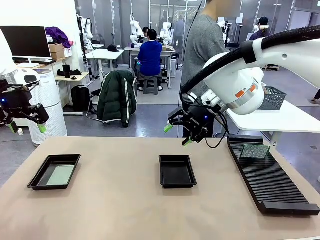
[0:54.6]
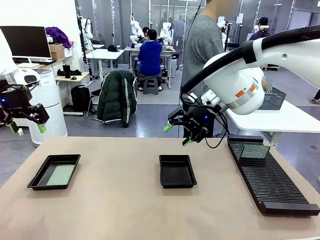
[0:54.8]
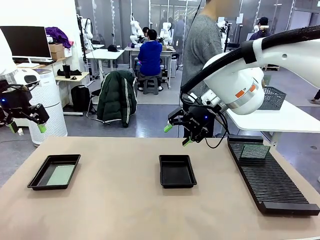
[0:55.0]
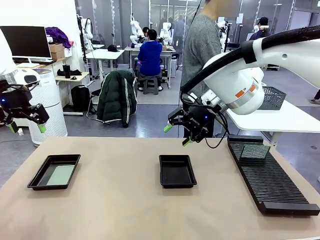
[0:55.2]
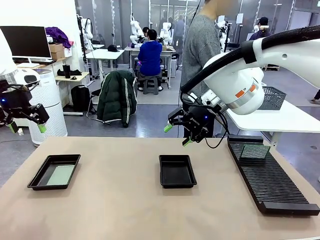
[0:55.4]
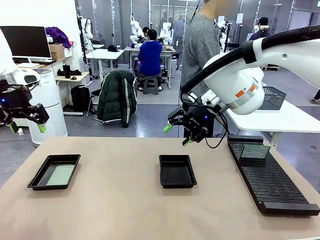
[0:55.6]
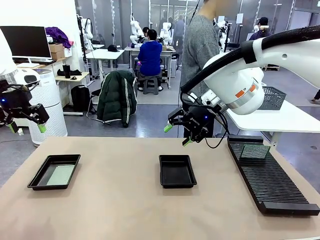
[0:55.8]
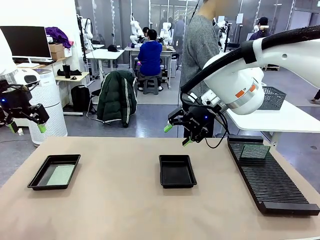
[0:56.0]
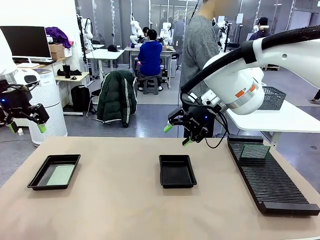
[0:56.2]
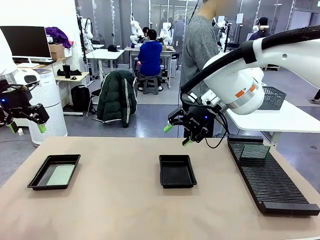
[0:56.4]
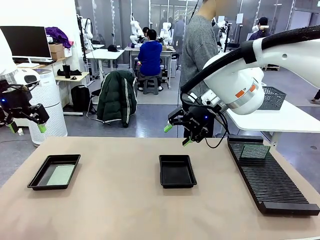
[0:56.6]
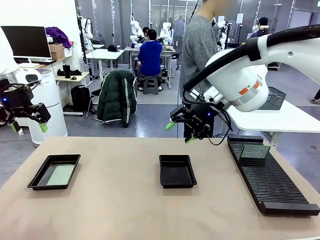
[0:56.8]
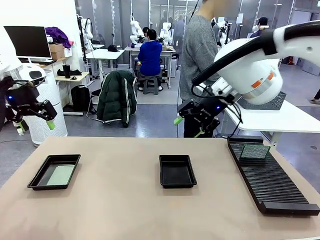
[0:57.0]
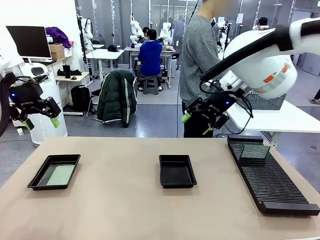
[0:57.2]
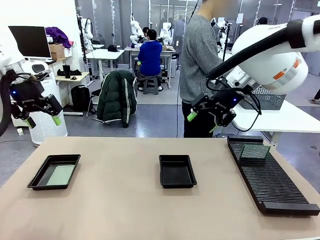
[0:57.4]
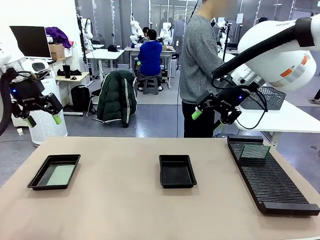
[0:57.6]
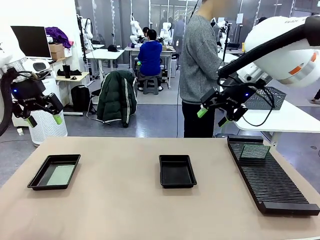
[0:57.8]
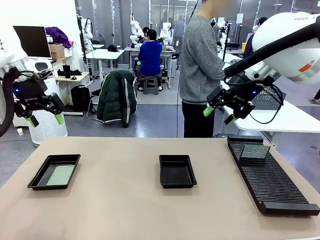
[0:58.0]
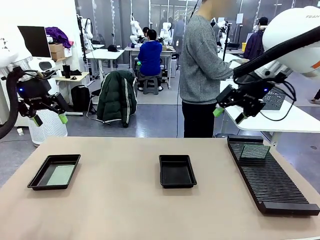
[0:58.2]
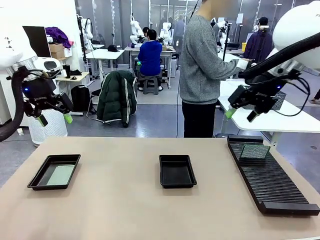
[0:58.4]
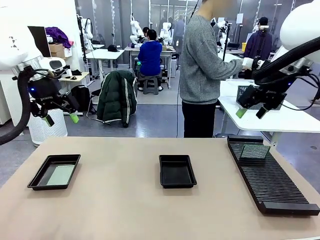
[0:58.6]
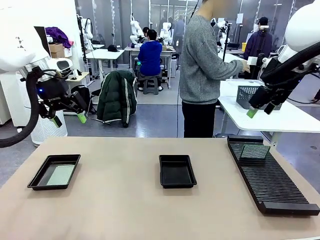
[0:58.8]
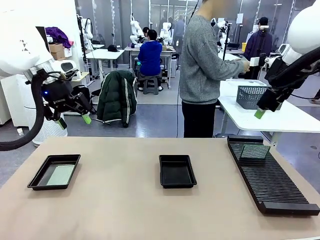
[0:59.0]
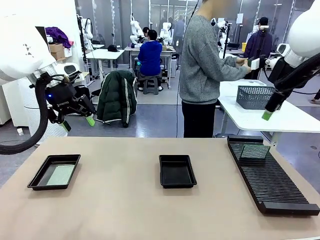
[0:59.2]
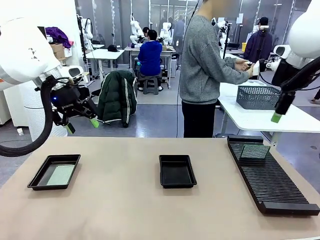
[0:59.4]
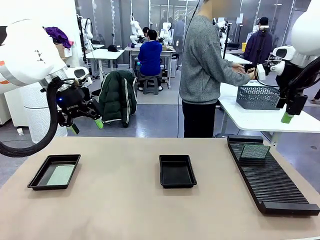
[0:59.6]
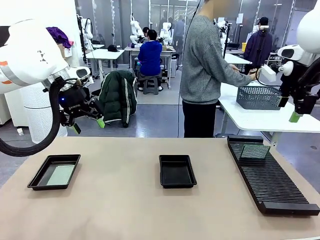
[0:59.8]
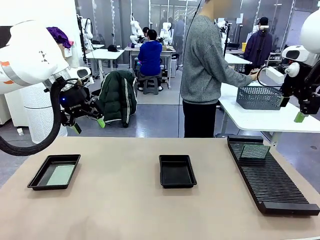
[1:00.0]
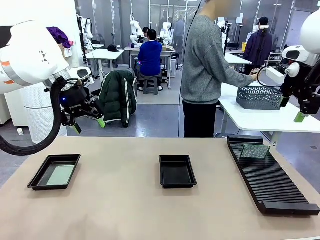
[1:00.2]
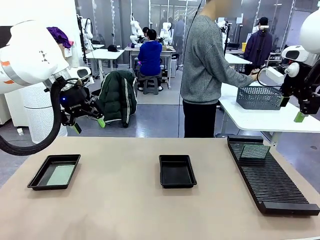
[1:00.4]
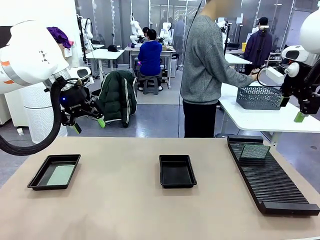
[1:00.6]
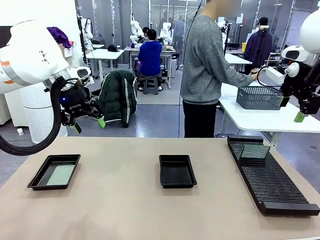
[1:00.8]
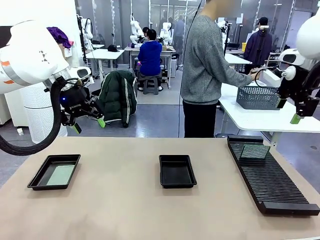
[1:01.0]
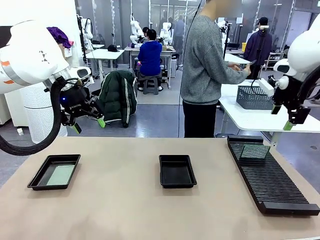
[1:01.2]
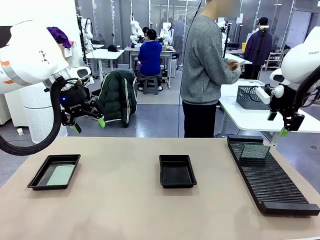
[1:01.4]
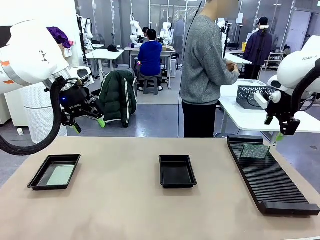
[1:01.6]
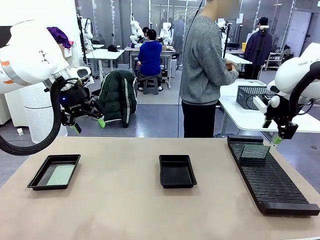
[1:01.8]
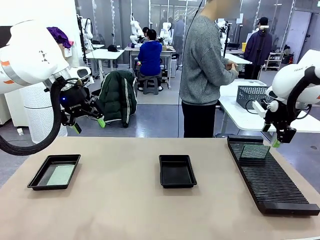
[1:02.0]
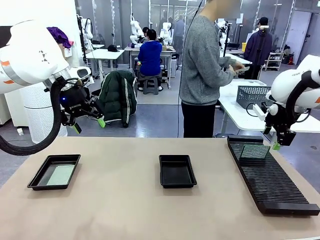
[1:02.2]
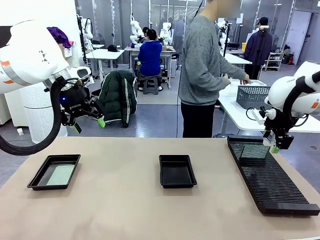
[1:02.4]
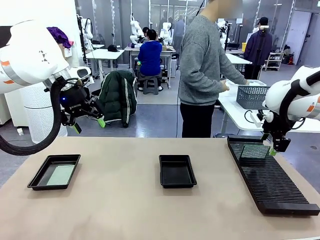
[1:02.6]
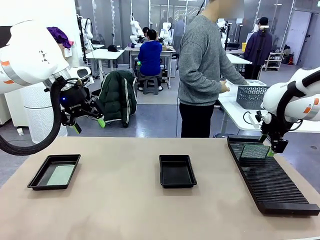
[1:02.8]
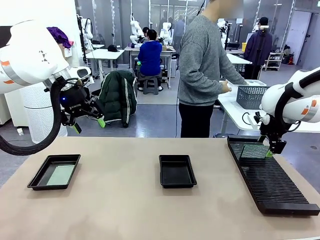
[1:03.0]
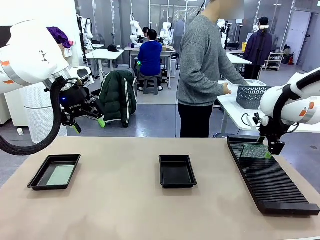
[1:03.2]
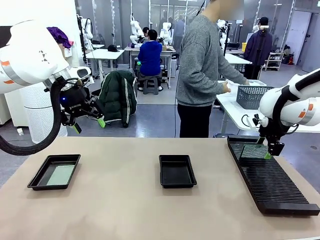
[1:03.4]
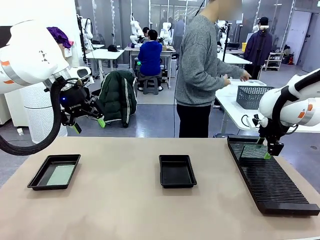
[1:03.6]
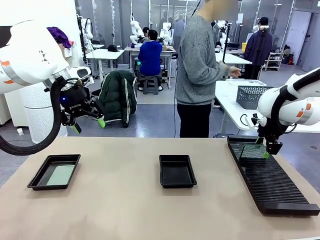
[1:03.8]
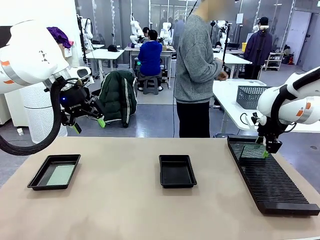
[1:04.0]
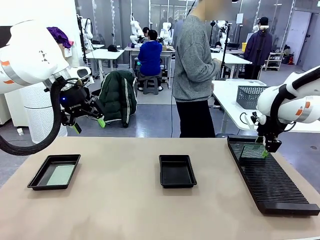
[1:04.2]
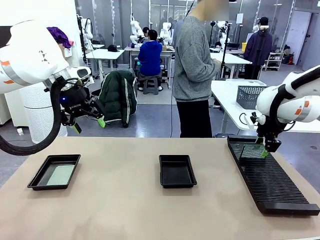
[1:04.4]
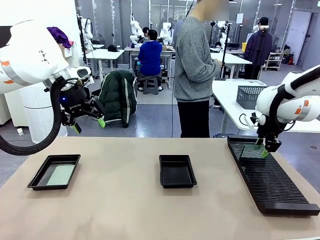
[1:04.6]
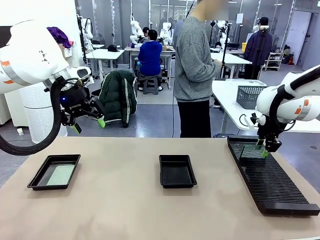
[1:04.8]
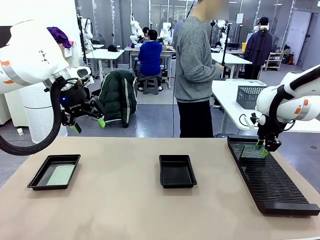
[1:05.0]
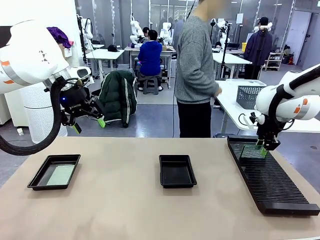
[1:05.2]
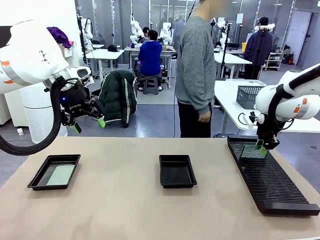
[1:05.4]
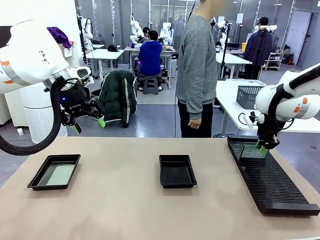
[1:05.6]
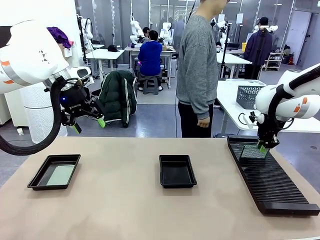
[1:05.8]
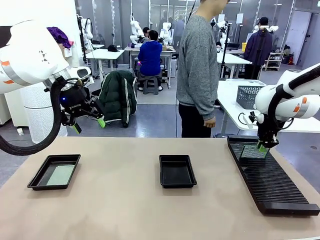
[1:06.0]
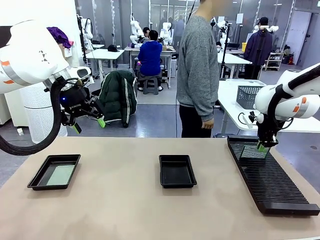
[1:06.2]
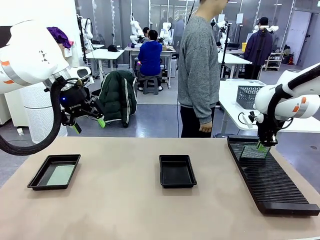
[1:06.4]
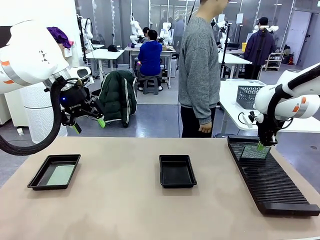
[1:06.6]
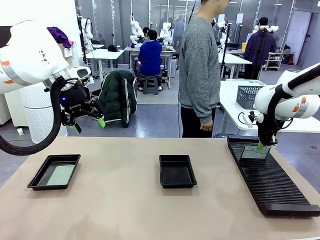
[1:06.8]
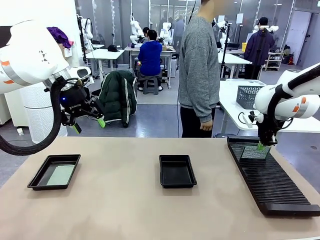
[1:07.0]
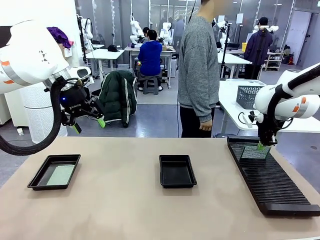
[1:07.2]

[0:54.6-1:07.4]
Task: Inspect and transfer BCBs to ESD trays.
Robot: Pick up the Blank PCB from the PCB Rack and place it in the right ESD tray.

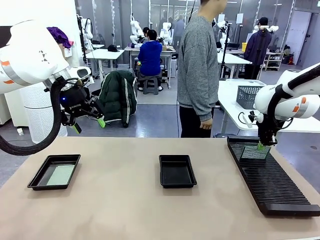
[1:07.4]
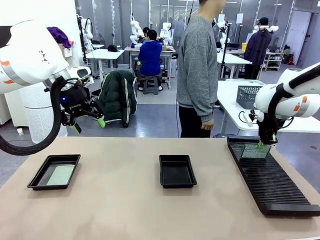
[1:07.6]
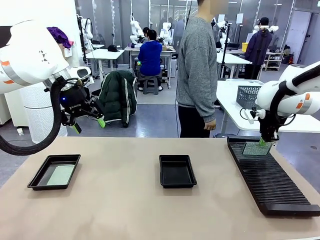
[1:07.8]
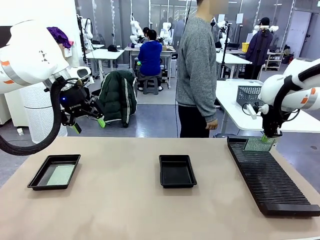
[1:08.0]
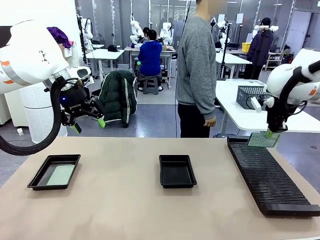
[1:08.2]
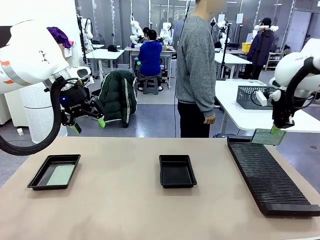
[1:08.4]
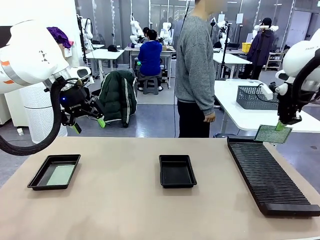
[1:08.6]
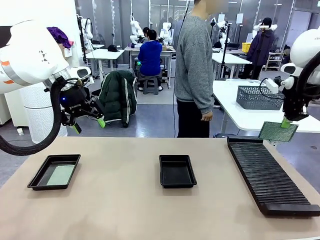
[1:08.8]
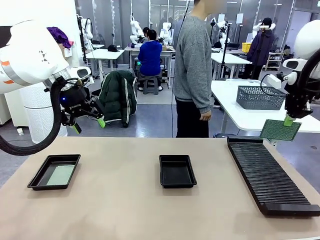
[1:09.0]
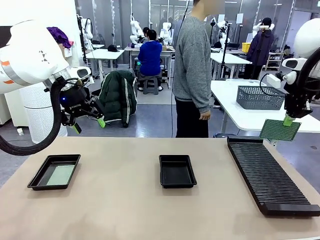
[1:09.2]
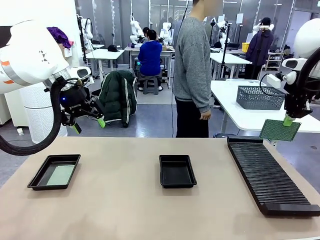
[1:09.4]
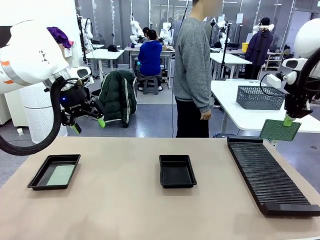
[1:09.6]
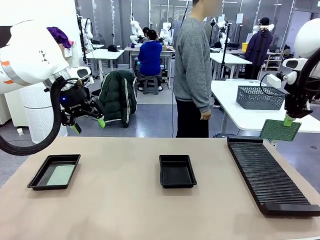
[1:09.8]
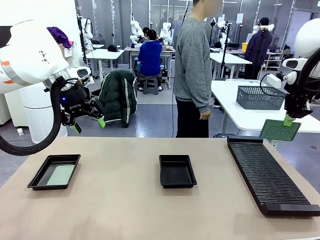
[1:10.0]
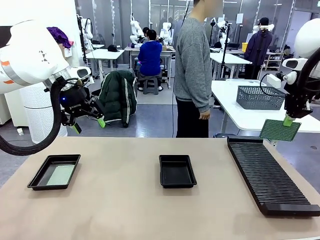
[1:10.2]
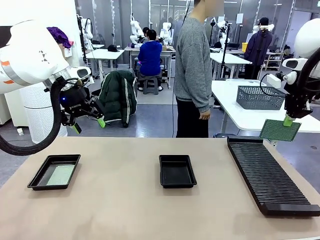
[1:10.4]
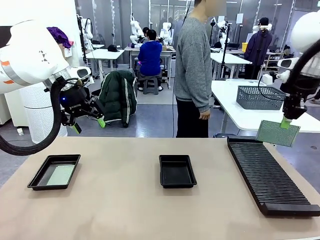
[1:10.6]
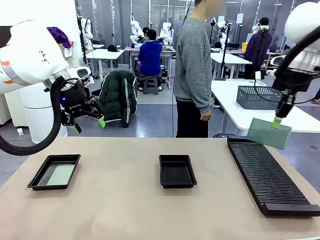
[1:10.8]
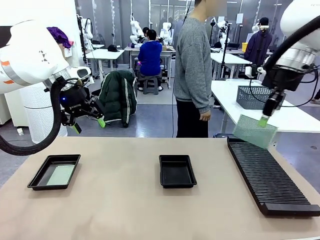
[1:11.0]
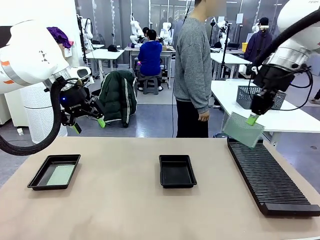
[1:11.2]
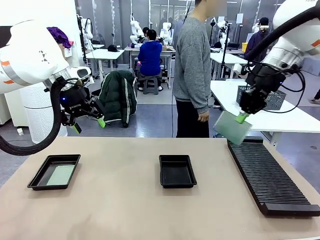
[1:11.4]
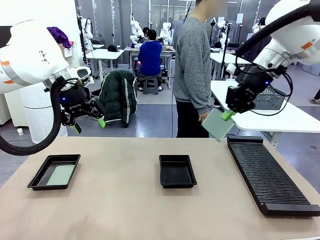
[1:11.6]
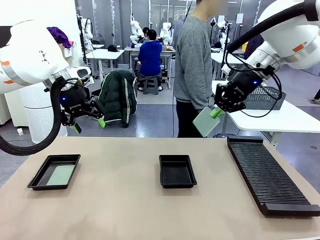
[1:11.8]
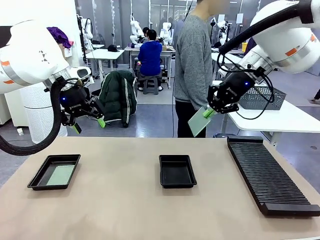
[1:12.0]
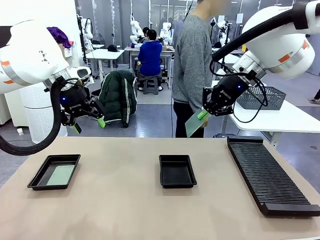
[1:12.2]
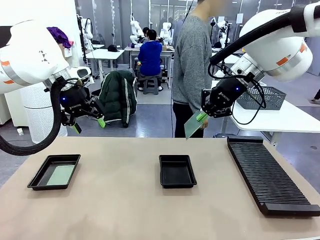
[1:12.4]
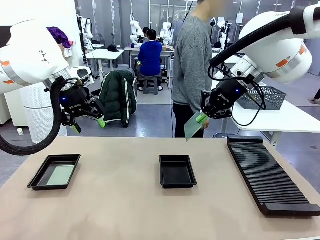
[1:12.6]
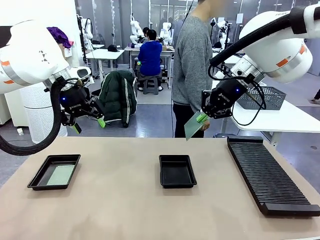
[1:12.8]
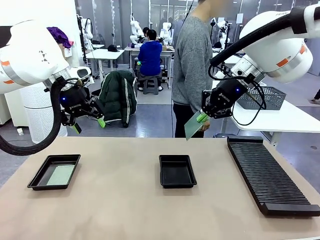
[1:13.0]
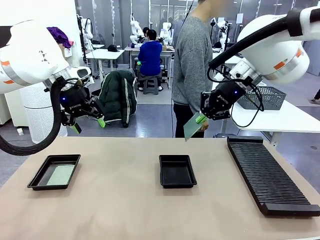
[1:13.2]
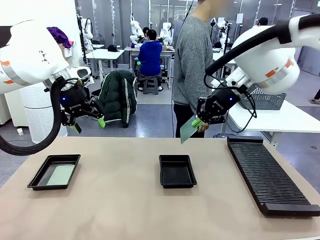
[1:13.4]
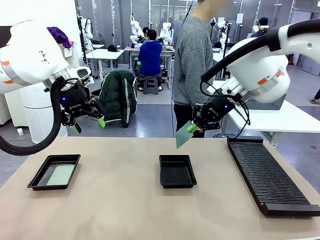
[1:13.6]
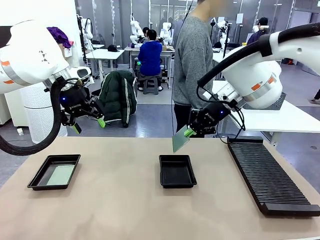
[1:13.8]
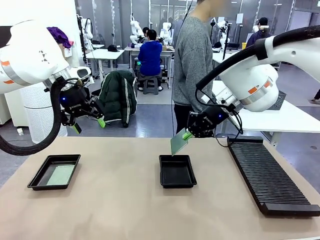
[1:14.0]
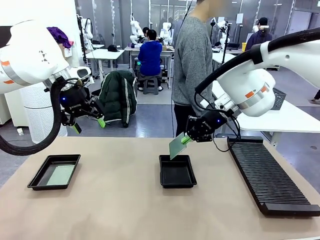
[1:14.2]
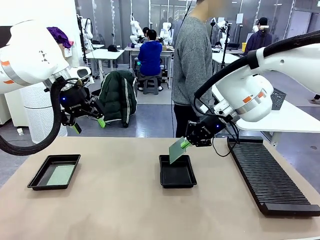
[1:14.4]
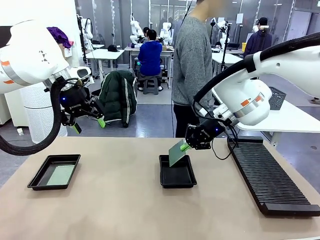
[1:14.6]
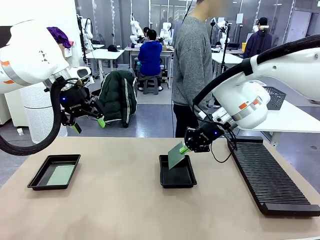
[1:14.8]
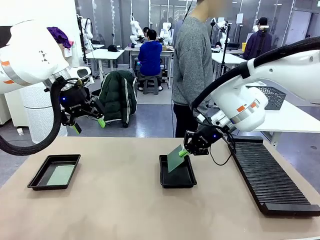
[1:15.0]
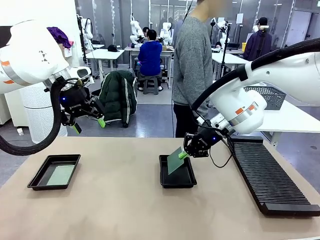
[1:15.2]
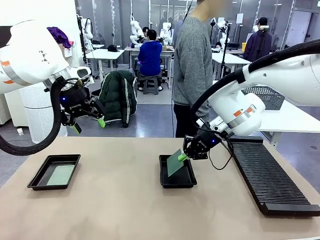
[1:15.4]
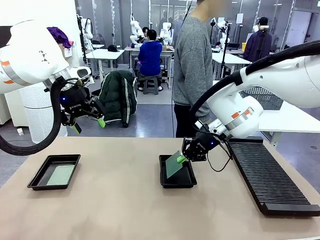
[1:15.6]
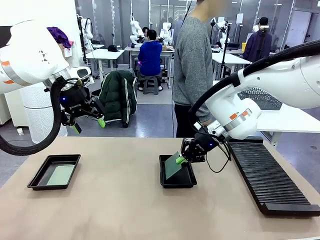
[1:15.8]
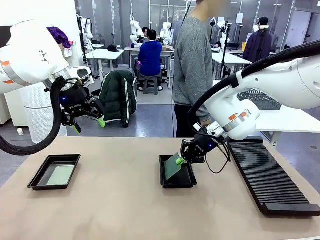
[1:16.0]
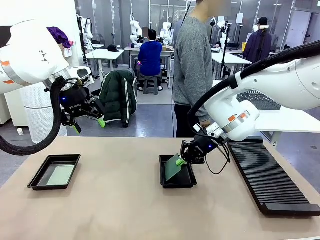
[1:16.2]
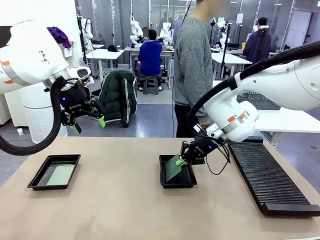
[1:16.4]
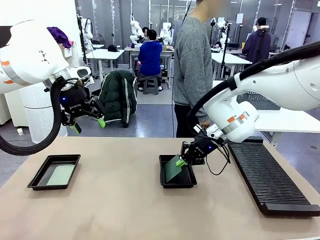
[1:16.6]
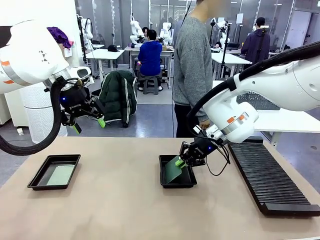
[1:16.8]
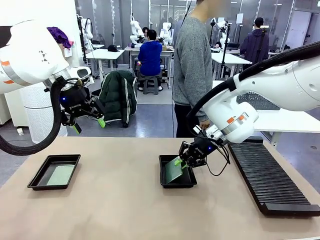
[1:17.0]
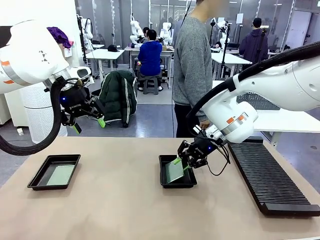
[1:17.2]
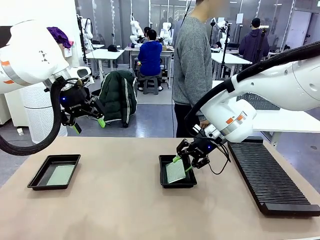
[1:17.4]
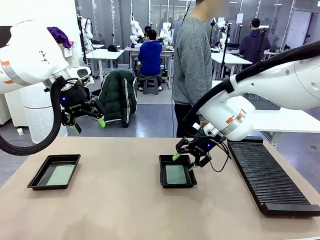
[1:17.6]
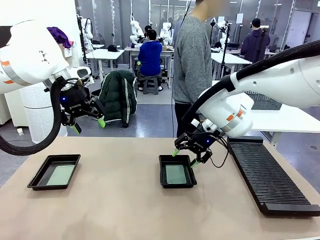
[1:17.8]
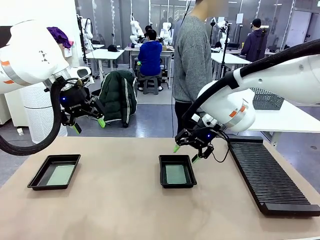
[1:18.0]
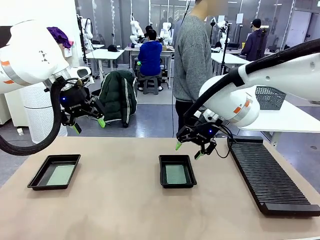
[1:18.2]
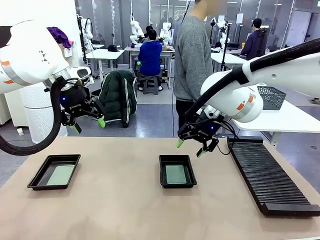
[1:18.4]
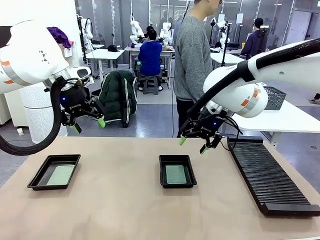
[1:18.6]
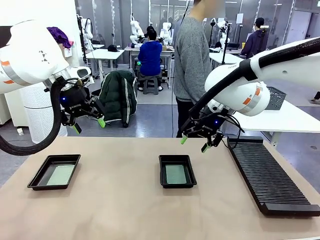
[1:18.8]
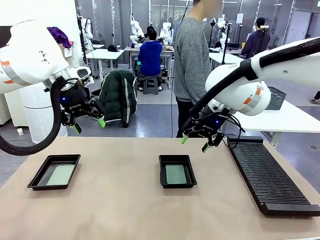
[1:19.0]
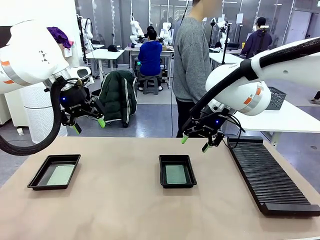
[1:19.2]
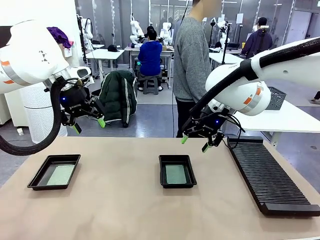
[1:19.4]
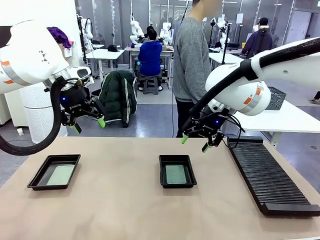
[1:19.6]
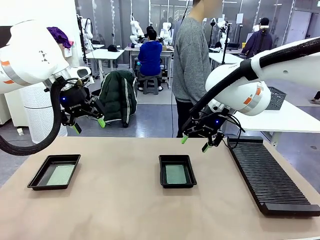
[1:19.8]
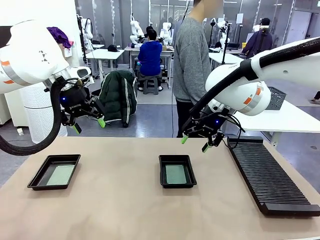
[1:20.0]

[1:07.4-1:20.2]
Robot: Pick up the Blank PCB from the PCB Rack and place it in the right ESD tray.
